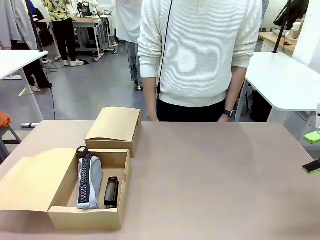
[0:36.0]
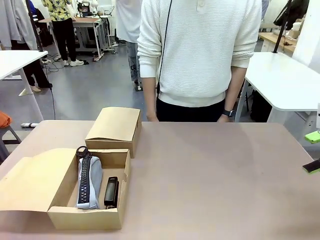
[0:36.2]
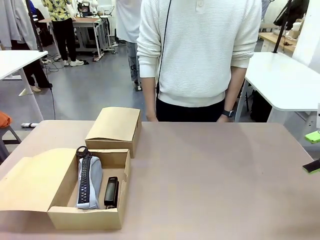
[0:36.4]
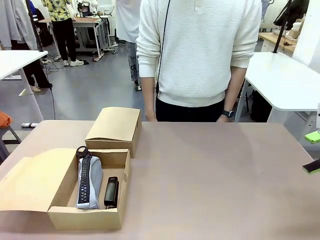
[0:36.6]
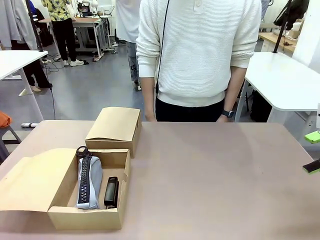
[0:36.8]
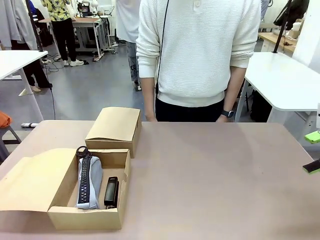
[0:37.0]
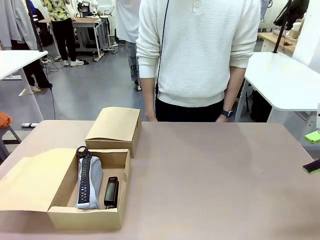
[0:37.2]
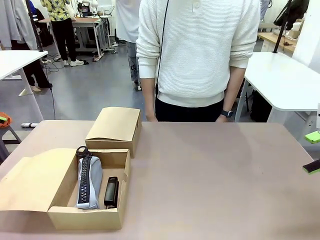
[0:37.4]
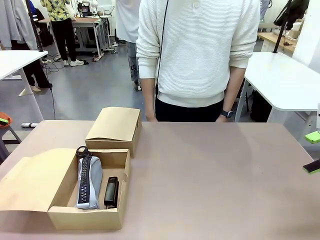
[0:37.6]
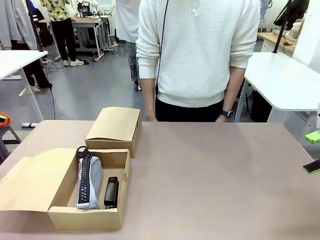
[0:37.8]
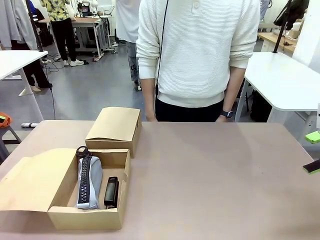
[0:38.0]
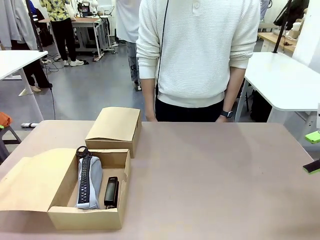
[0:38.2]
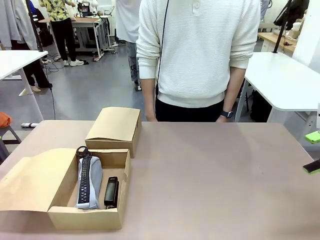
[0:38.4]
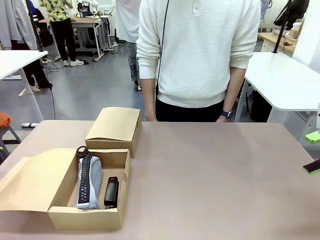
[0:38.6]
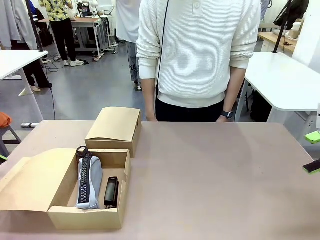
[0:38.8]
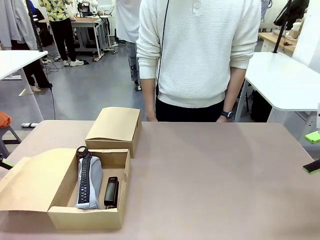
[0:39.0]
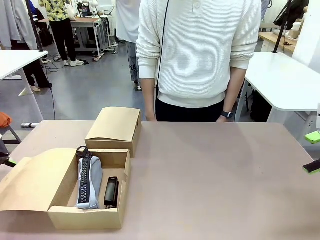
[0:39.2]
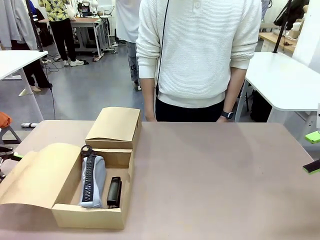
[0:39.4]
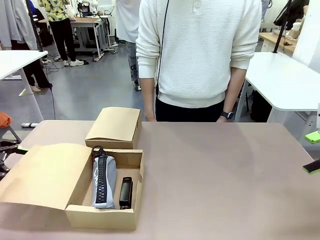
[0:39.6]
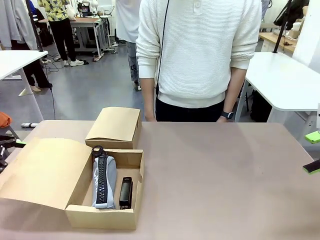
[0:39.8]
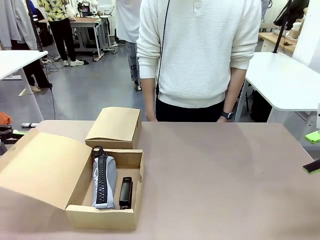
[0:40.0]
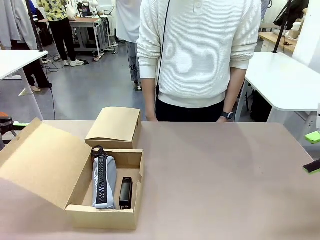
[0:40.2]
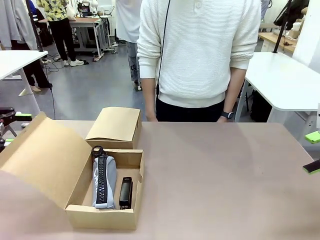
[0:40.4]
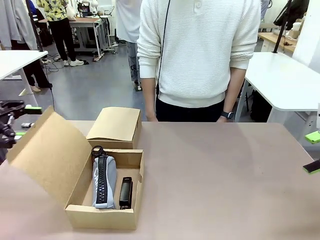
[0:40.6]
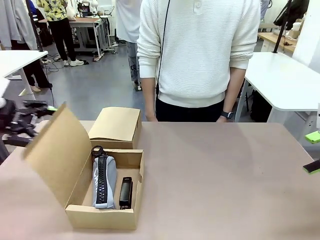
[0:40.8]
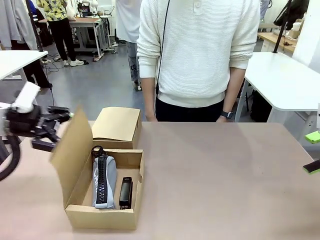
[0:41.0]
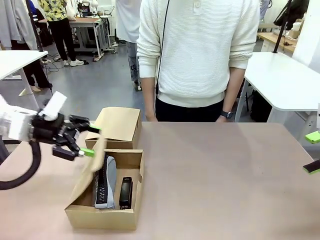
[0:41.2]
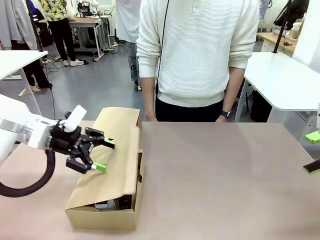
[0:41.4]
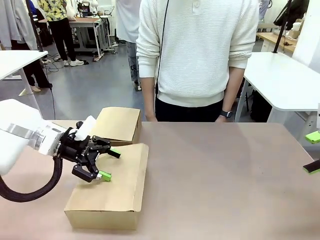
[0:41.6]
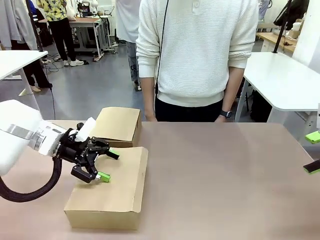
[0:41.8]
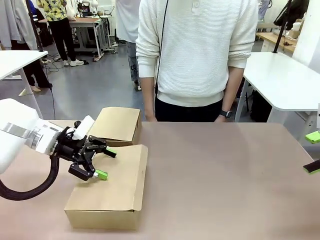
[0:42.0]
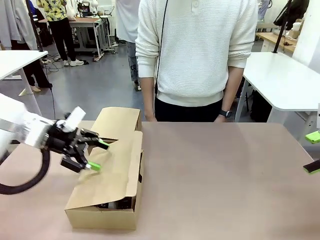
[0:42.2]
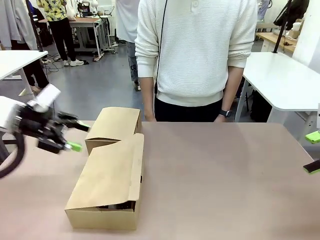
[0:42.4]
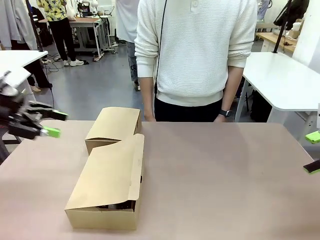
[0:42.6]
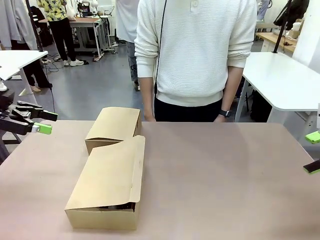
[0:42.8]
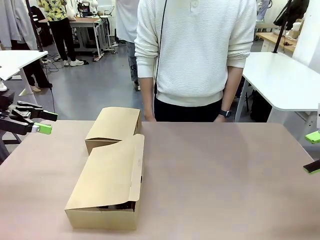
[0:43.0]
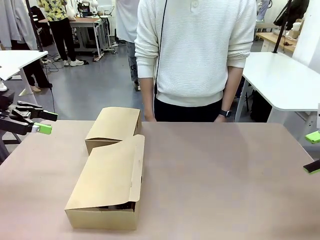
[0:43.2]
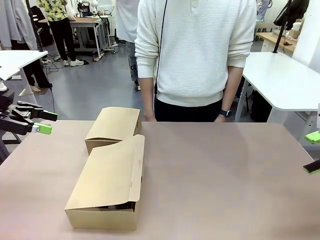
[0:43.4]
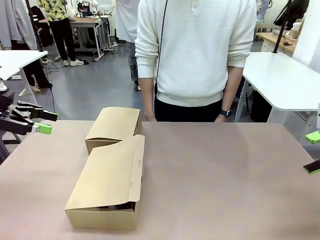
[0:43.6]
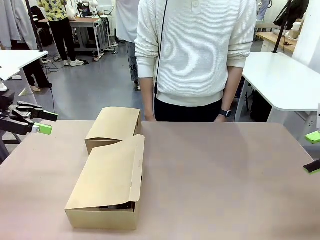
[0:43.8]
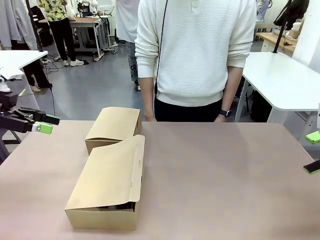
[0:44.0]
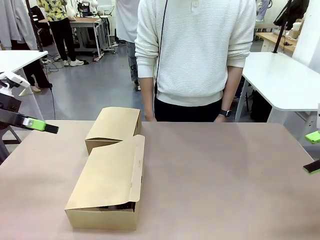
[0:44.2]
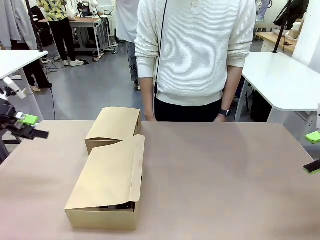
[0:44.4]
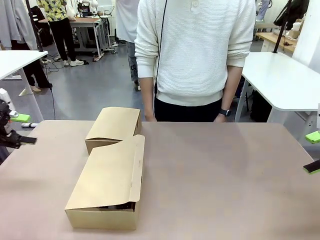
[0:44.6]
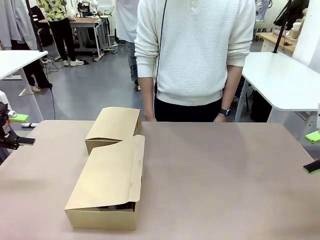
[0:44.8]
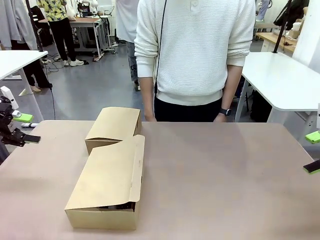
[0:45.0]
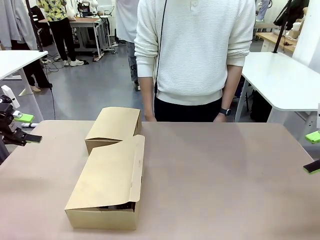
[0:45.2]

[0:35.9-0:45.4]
Task: Place items inside the box.
Robot: Close the lid of the Mailer Box closest to the robot.
Person: Close the lid of the box facing the person.

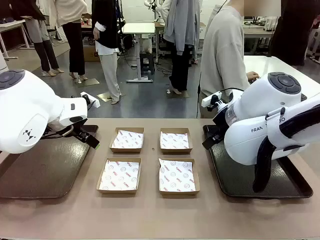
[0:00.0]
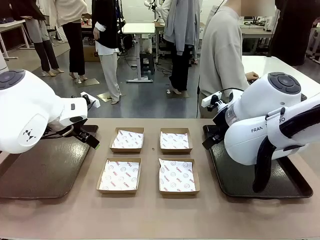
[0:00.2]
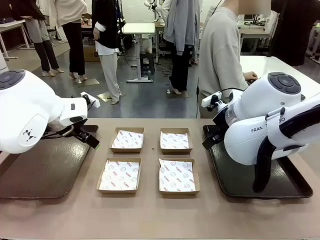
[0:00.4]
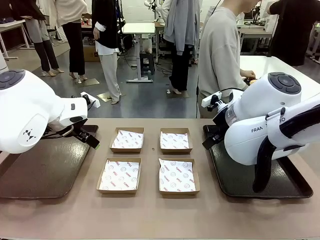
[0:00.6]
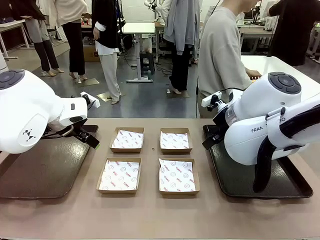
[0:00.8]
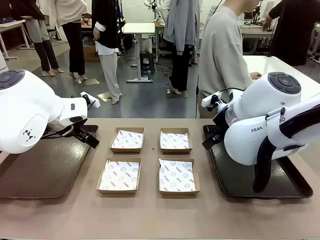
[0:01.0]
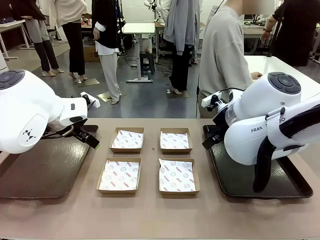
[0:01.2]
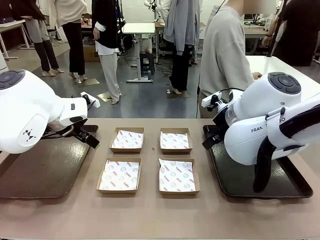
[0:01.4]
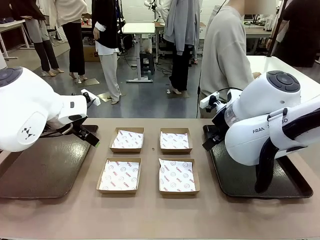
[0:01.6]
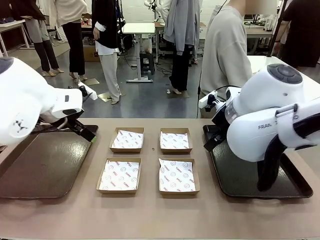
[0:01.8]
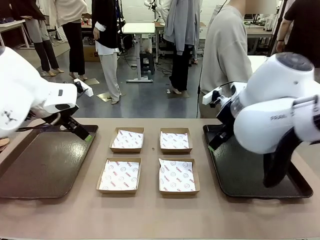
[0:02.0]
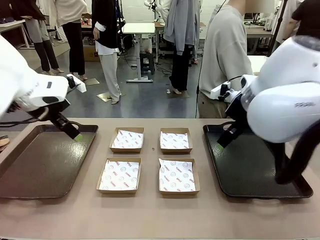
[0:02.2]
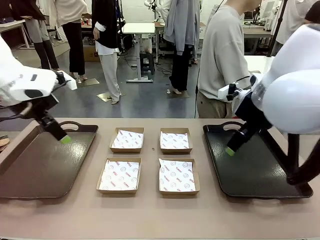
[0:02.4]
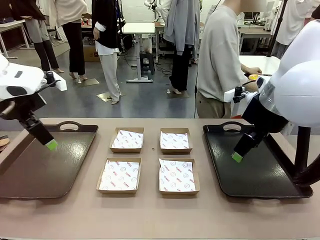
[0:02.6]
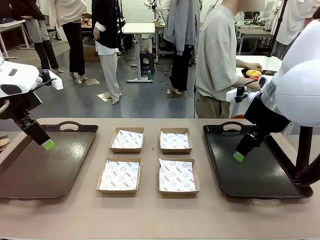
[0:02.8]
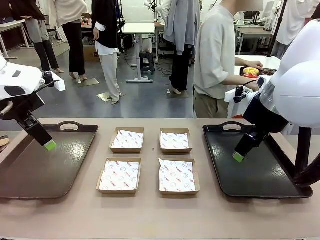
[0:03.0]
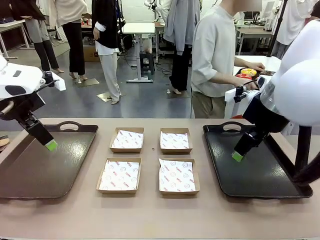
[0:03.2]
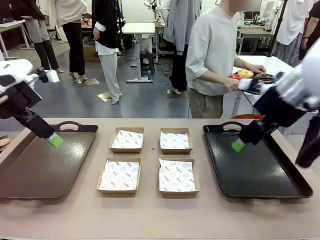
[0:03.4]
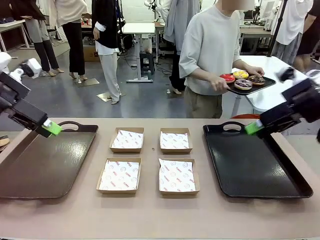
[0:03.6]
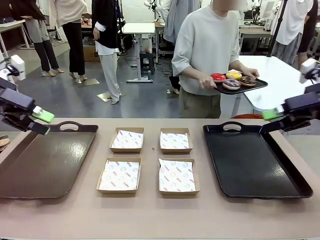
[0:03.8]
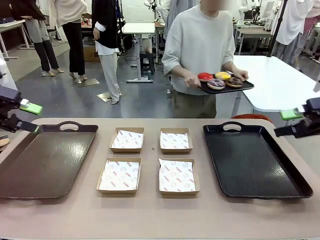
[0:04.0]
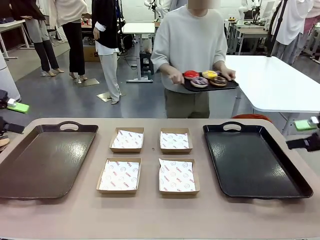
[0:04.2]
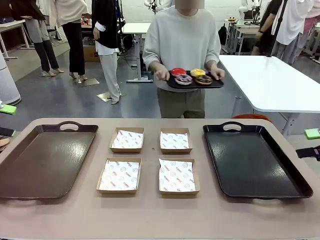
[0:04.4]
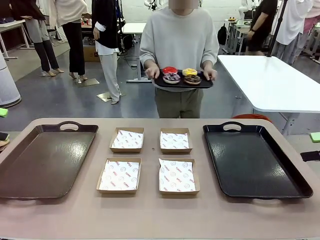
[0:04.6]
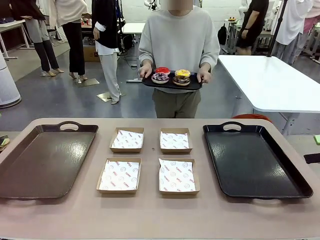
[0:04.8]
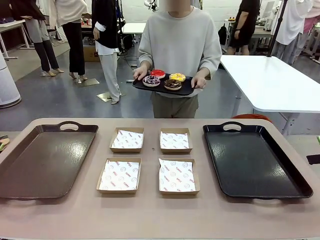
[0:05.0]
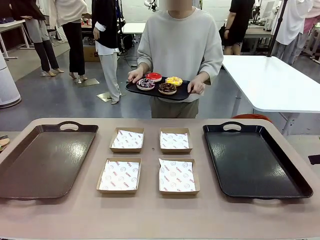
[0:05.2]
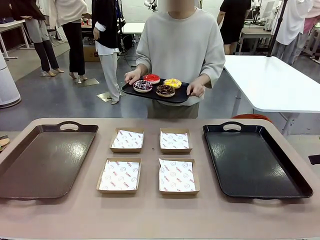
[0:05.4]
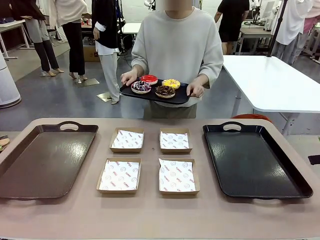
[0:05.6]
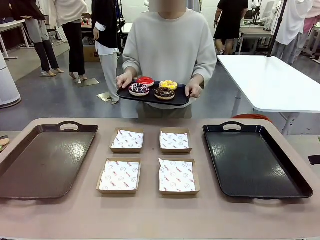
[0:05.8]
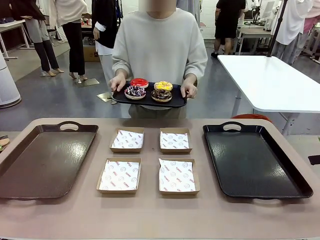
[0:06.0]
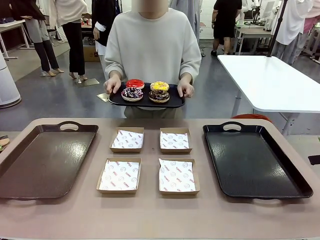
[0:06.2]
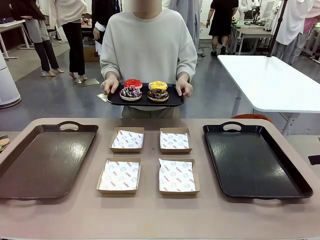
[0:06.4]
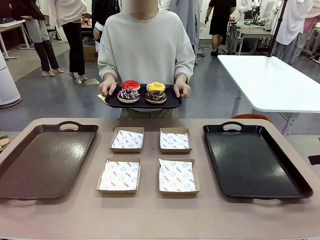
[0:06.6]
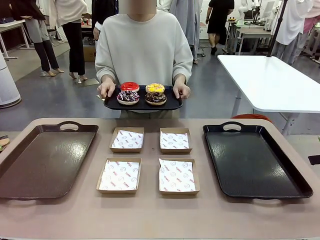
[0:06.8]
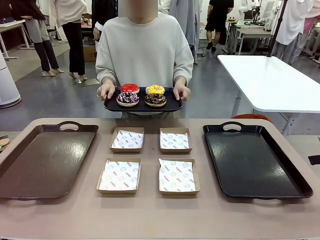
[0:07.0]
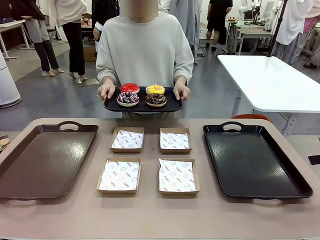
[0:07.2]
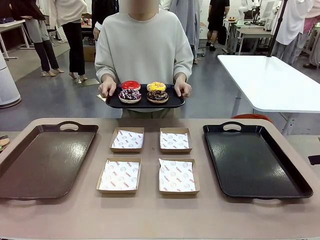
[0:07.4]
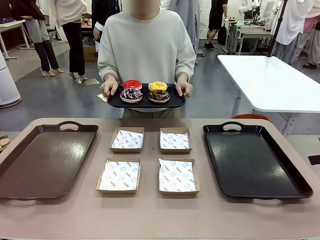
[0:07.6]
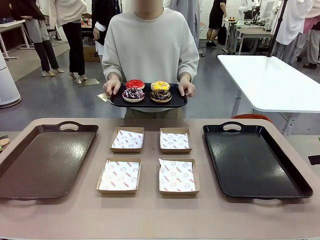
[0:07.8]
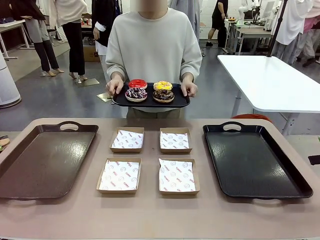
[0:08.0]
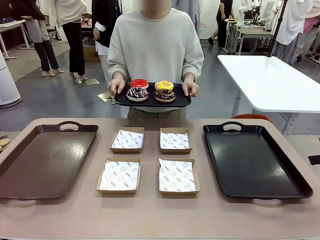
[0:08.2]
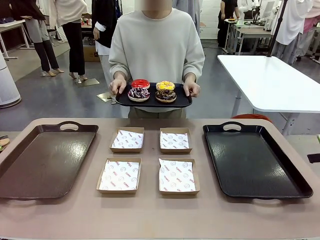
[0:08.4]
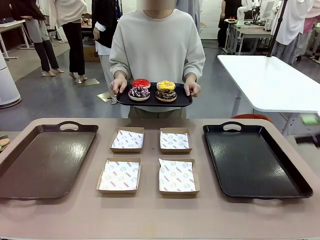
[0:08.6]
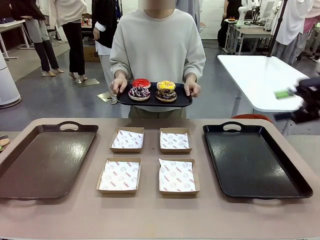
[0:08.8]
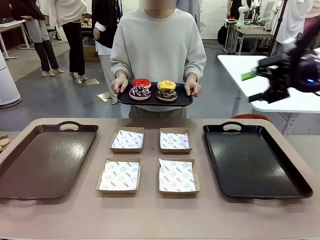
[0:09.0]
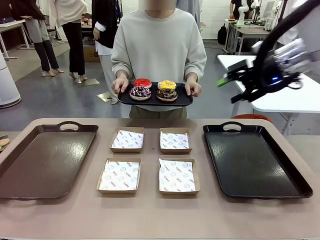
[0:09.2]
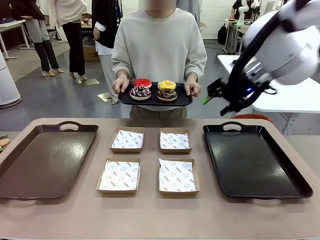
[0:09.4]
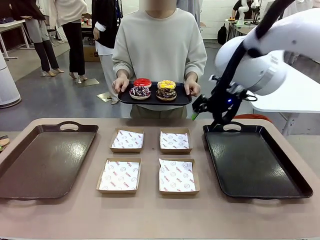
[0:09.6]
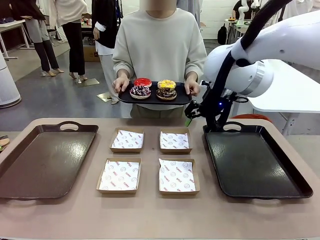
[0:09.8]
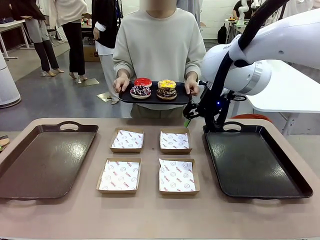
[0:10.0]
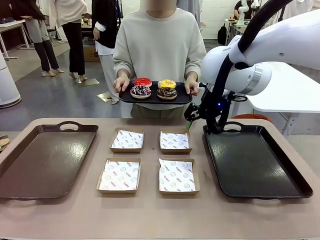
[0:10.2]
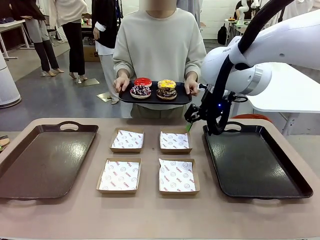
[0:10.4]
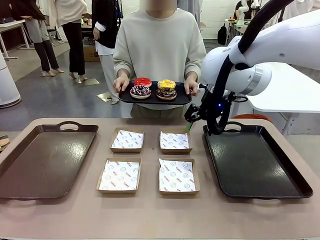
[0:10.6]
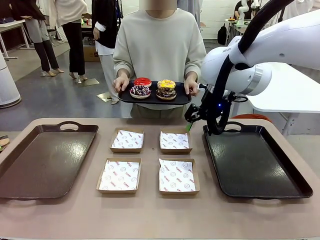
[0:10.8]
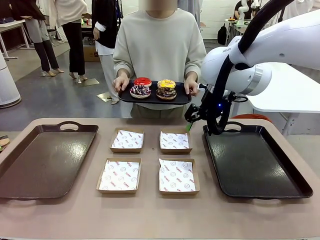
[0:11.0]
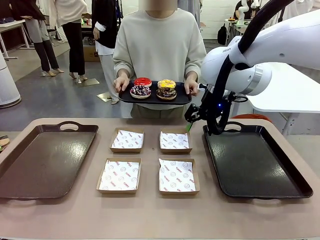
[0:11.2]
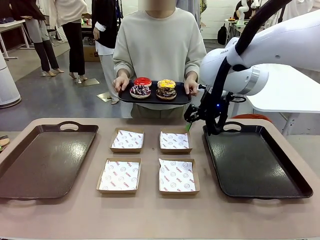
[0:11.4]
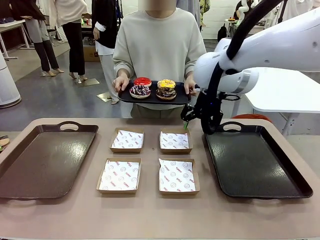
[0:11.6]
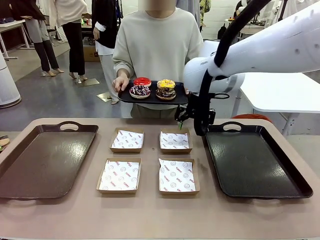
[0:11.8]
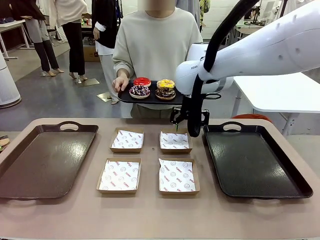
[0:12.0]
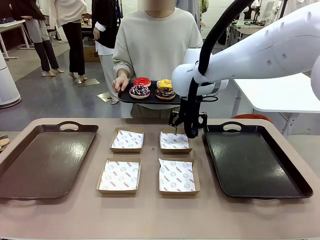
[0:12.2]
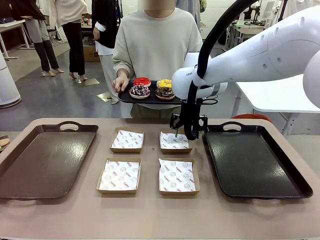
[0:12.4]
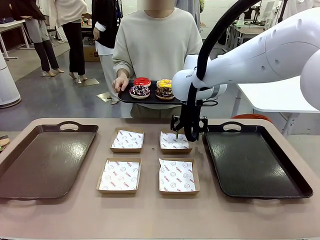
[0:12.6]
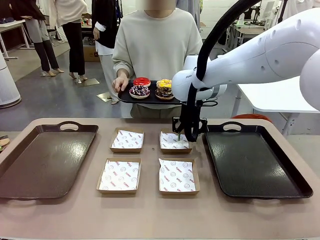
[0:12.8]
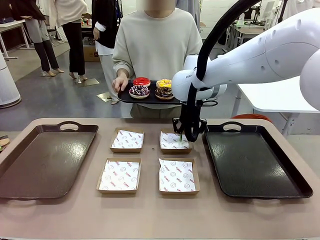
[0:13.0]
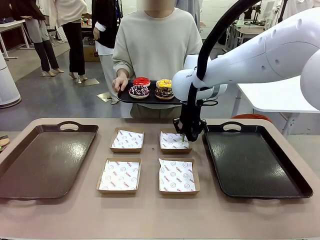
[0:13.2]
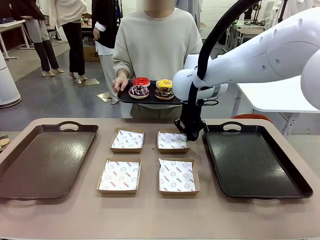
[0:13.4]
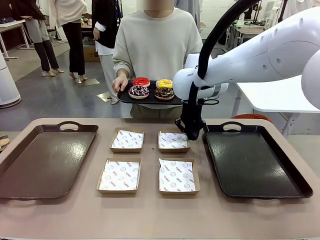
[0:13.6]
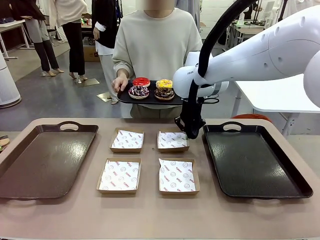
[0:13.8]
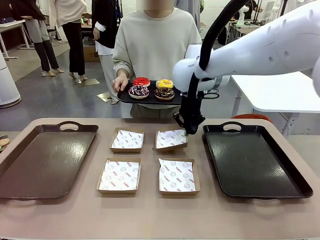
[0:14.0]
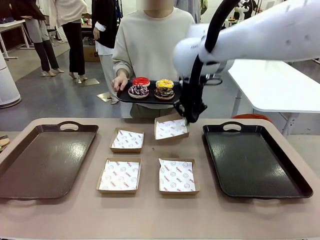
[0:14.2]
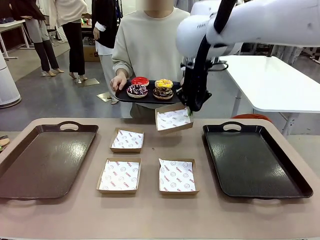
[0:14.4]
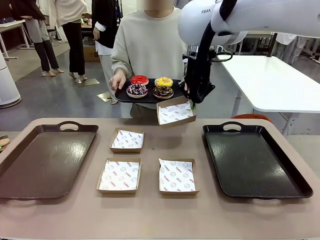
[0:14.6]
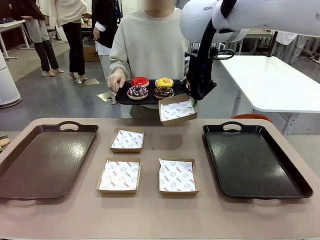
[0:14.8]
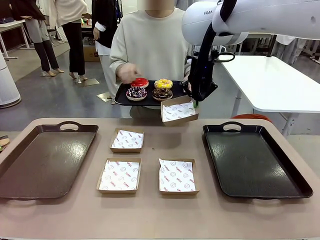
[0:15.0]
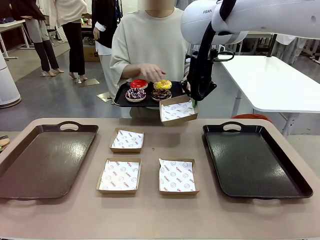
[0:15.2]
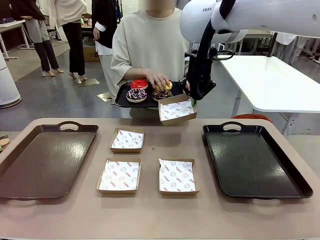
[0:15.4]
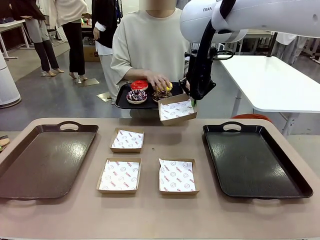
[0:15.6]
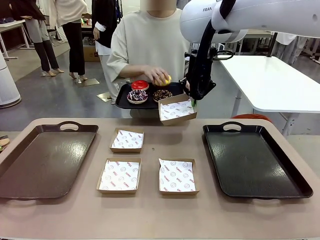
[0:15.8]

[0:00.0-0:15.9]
Task: Individually package the donuts and arrange them on the tray.
Robot: Pick up one Paper togo box.
Person: Stand in front of the robot table holding the tray containing the donuts.
